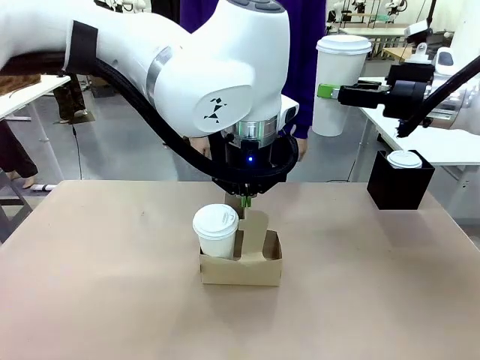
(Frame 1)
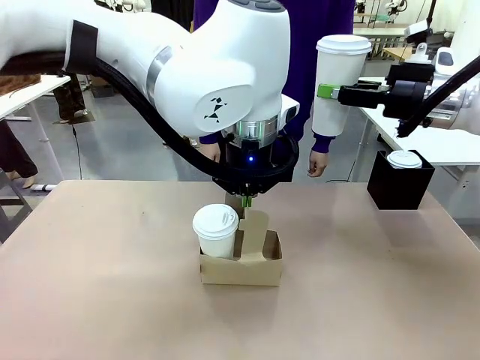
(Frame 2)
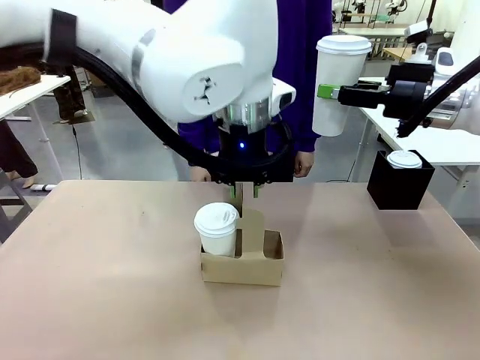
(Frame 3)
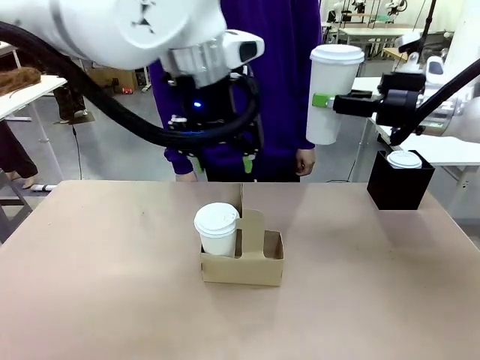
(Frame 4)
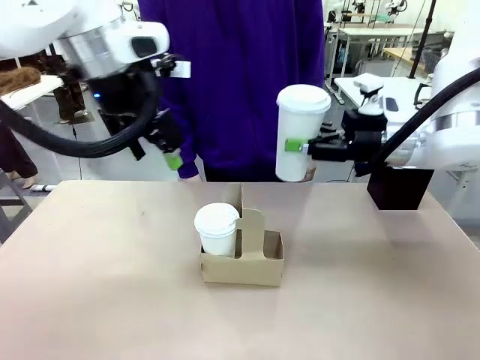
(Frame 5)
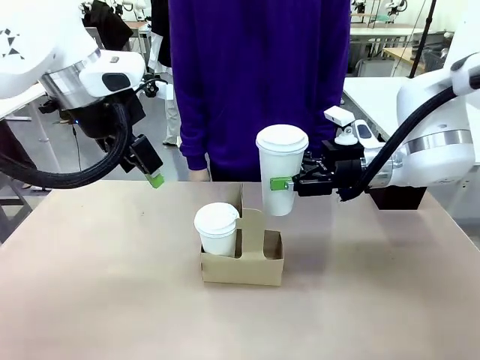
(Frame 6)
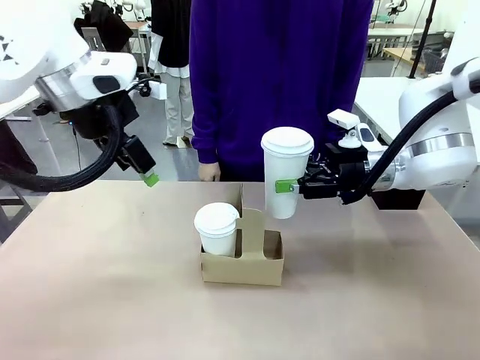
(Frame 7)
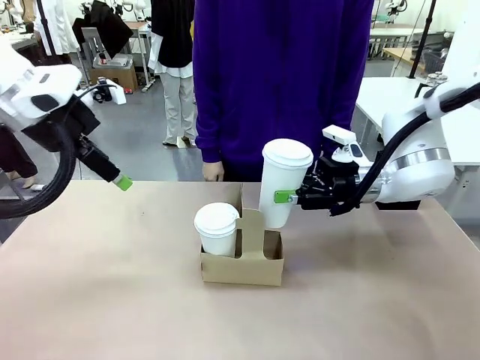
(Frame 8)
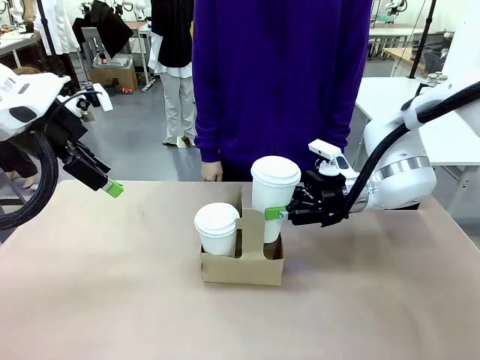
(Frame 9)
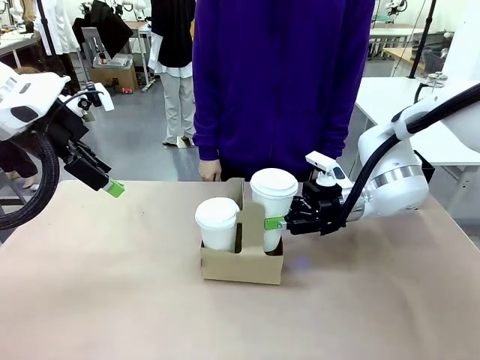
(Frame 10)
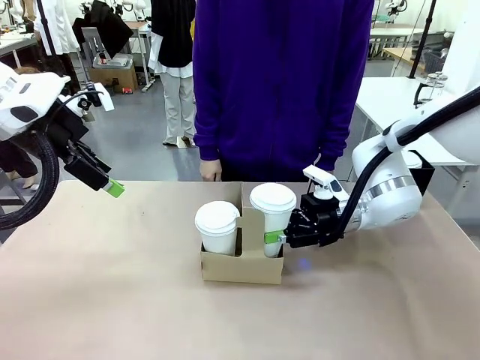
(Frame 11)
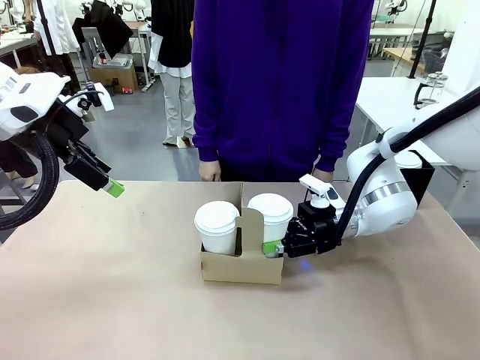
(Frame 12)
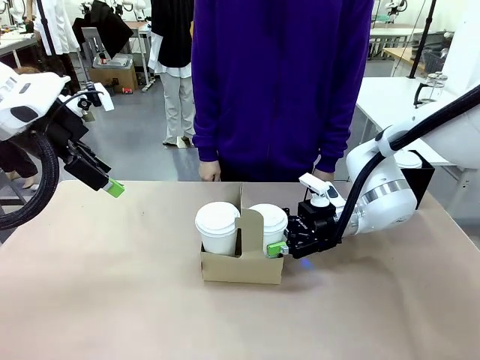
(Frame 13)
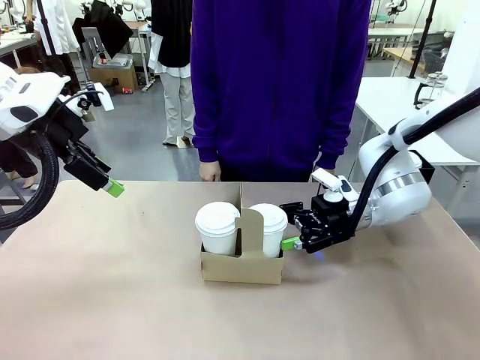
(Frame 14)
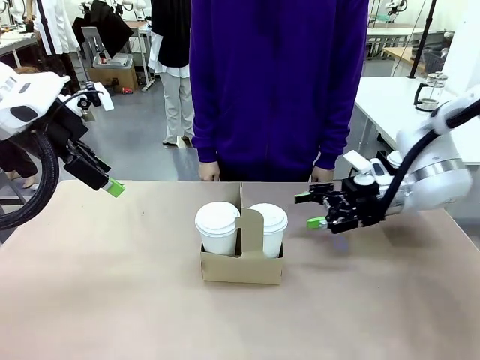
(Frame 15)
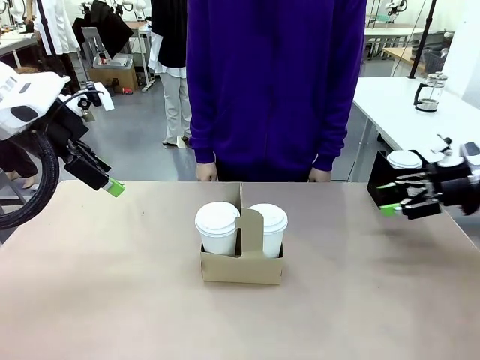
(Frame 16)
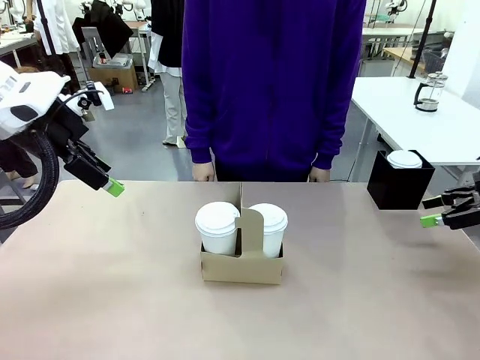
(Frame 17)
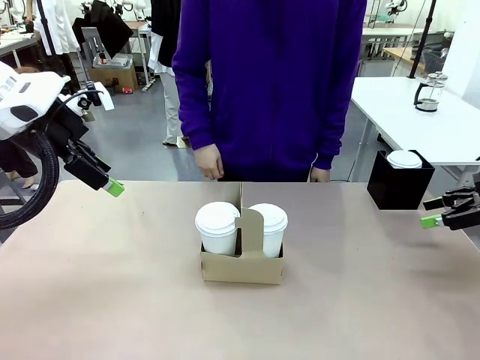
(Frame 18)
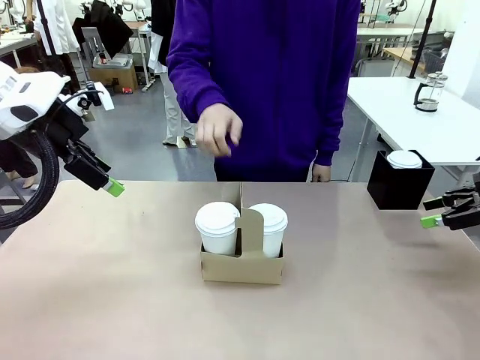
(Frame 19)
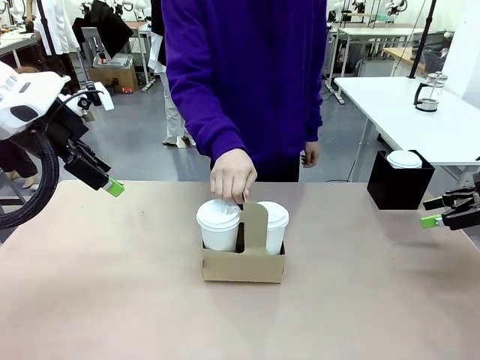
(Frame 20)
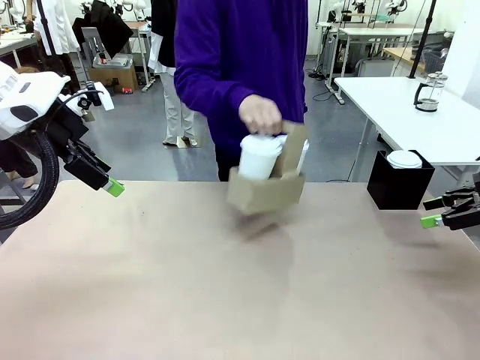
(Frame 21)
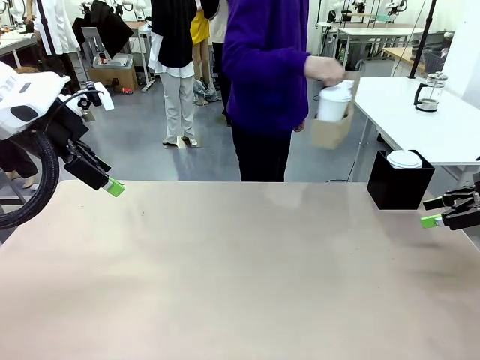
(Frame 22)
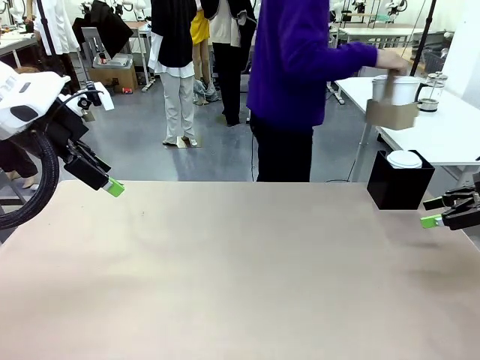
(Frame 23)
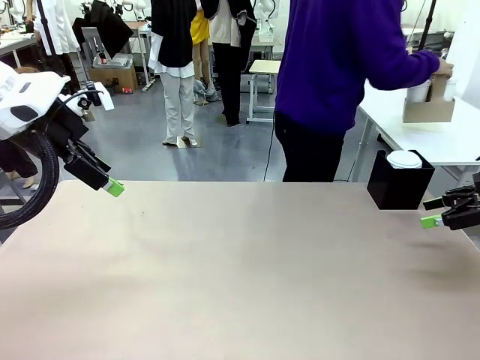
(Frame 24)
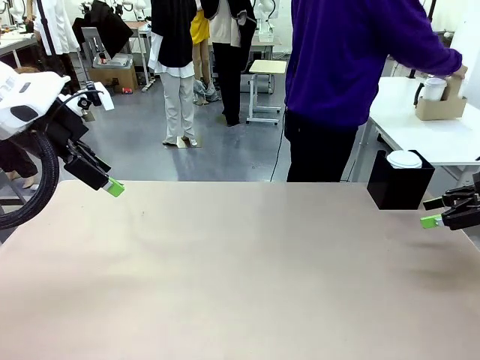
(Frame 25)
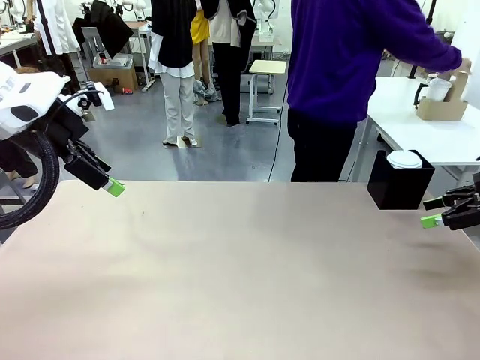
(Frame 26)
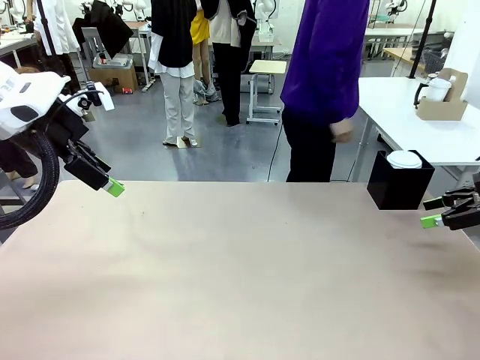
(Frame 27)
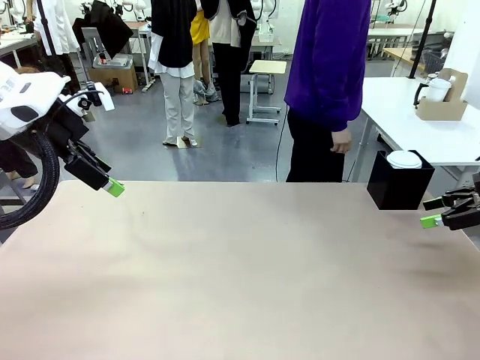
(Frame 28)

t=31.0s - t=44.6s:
Task: Pour a drink into a cup and package it in a carrier.
Robot: Insert the held 600 ml Paper Cup into the Cup Carrier.
Person: Place the Cup Carrier to the middle of Human table.

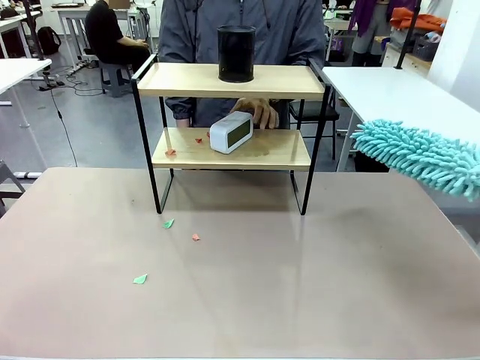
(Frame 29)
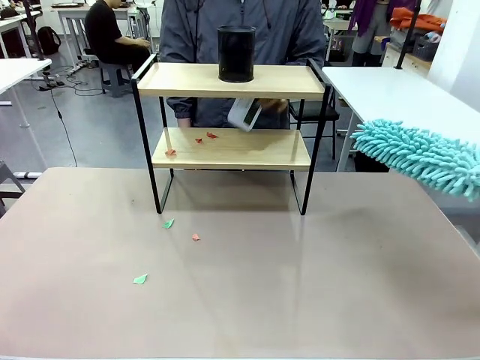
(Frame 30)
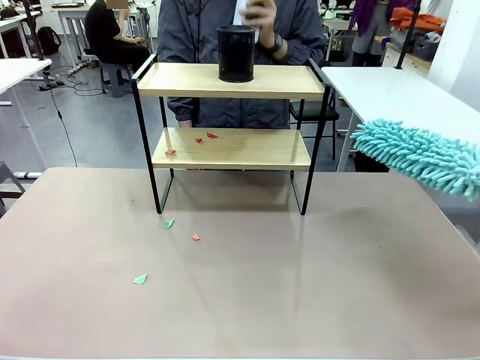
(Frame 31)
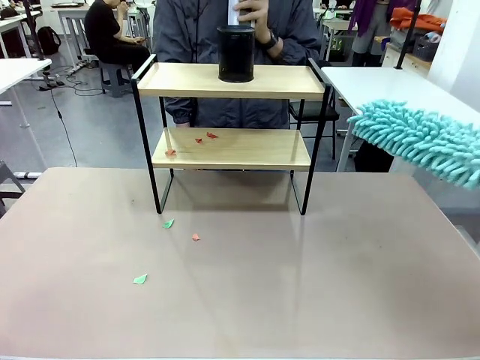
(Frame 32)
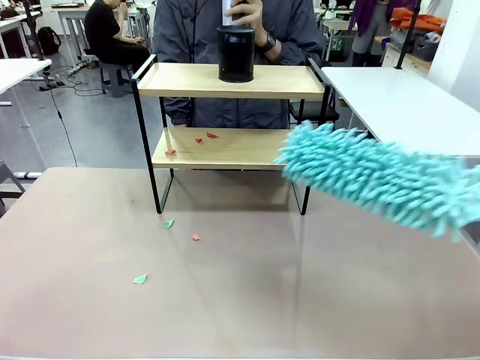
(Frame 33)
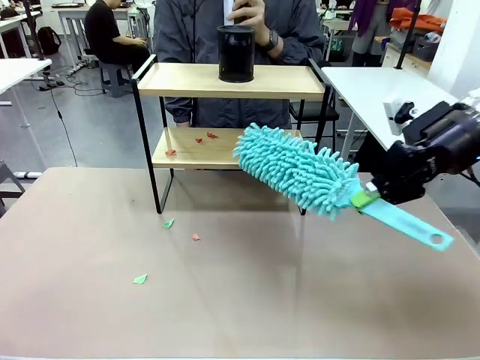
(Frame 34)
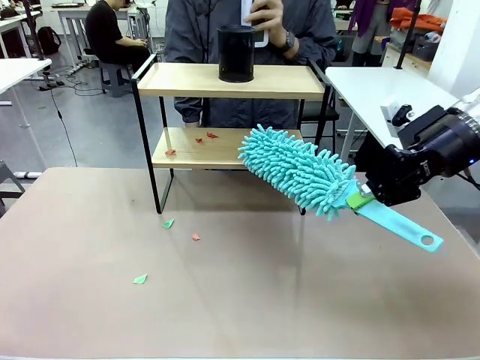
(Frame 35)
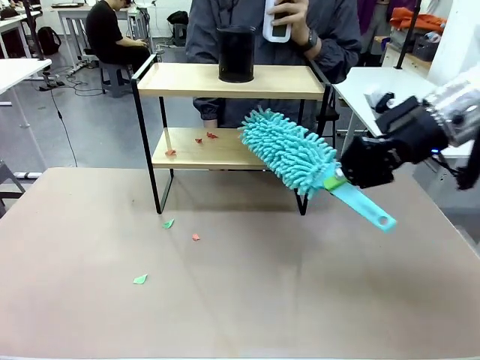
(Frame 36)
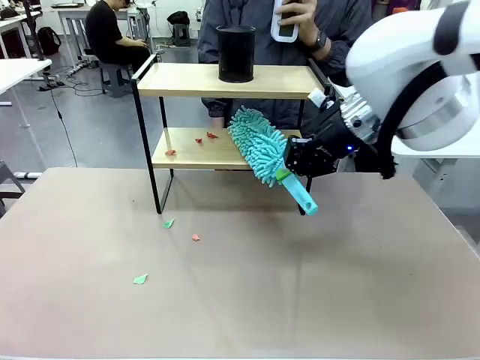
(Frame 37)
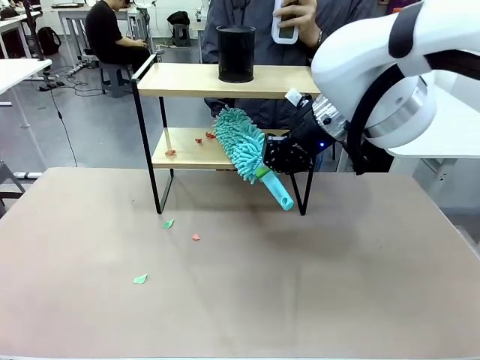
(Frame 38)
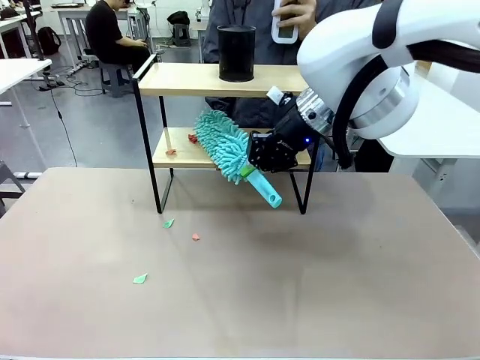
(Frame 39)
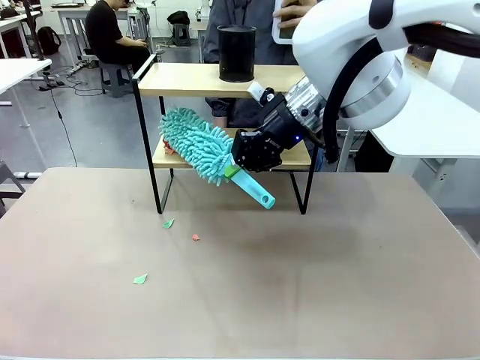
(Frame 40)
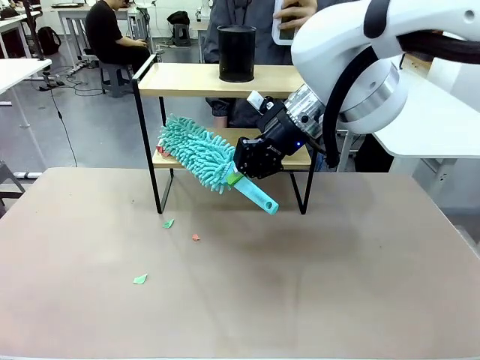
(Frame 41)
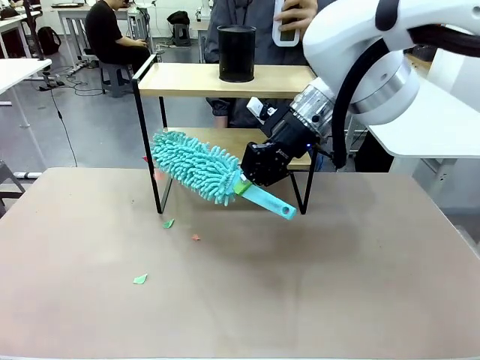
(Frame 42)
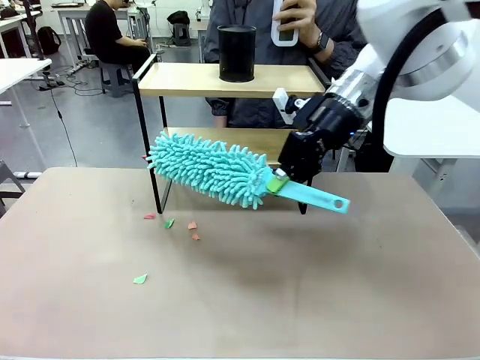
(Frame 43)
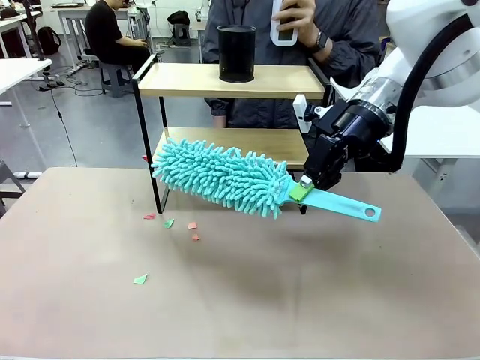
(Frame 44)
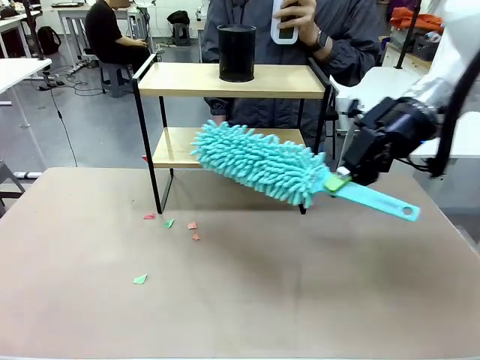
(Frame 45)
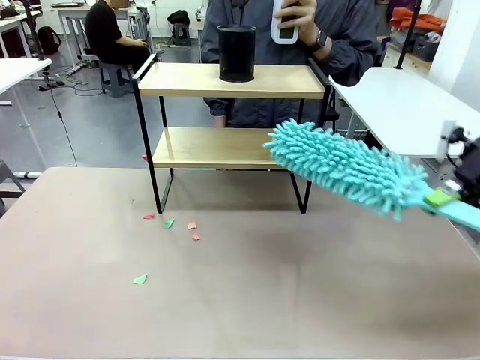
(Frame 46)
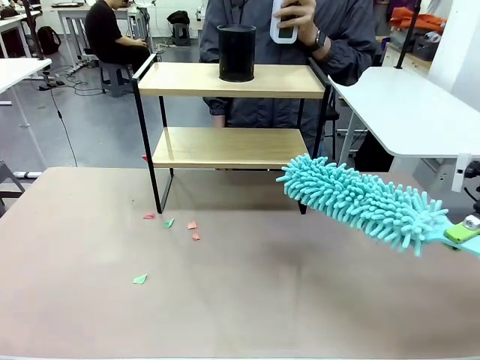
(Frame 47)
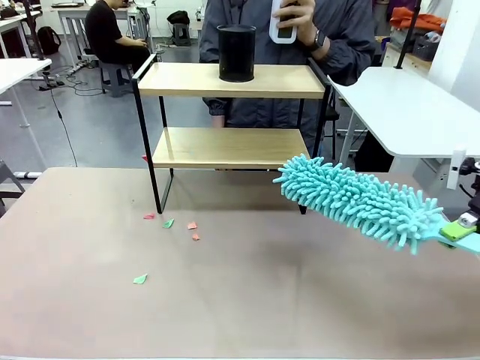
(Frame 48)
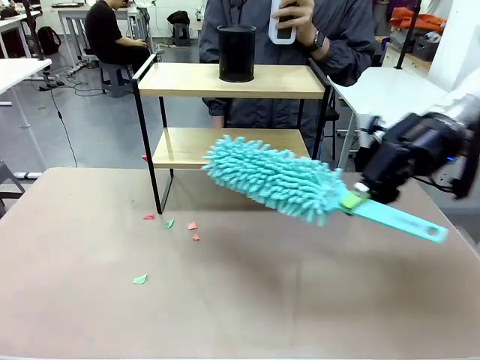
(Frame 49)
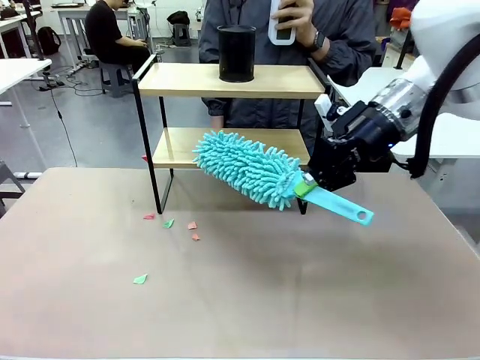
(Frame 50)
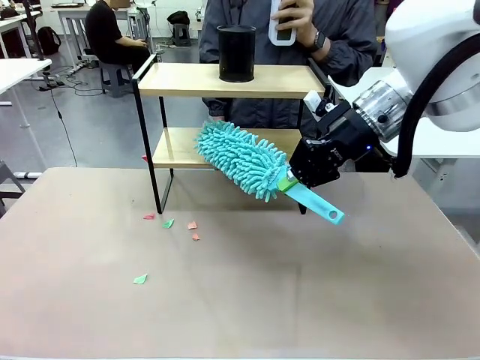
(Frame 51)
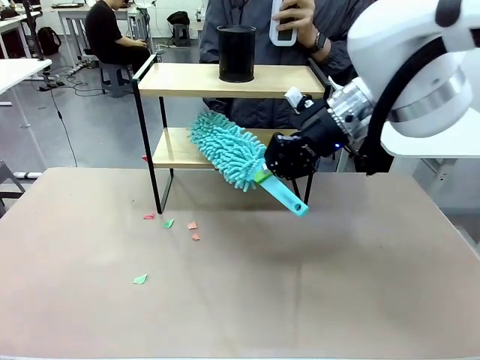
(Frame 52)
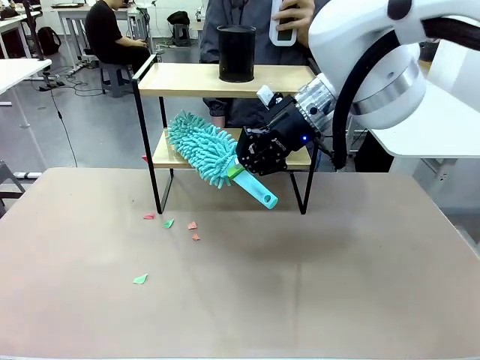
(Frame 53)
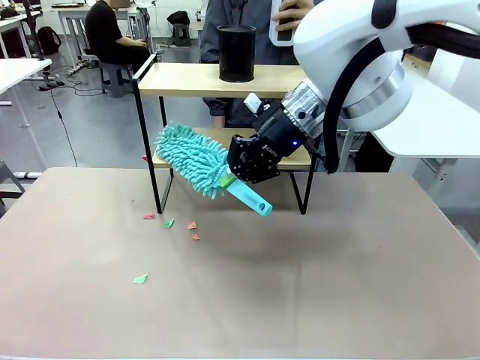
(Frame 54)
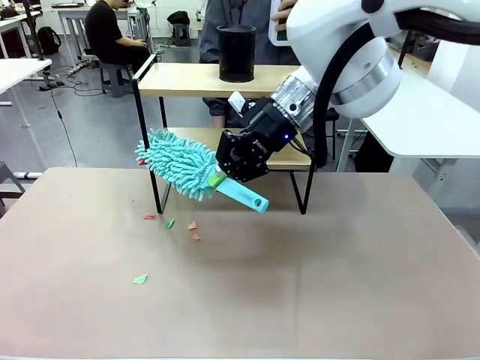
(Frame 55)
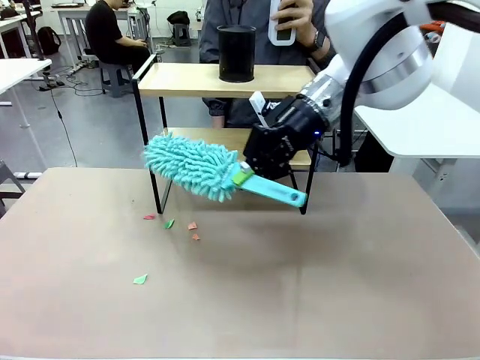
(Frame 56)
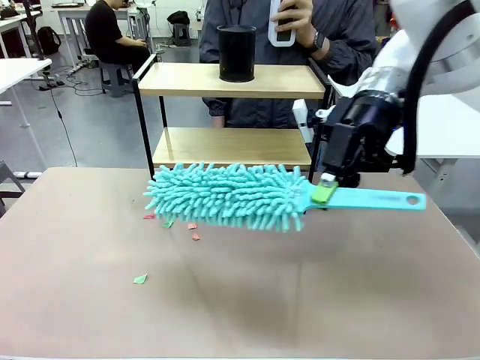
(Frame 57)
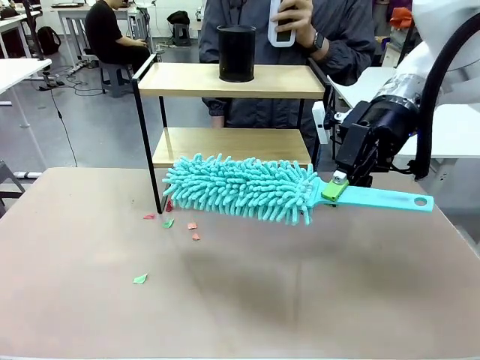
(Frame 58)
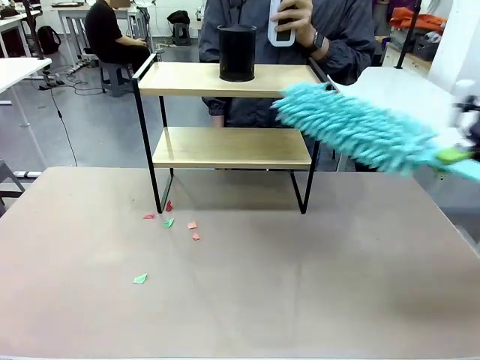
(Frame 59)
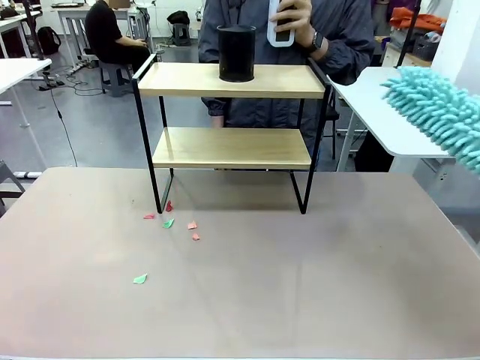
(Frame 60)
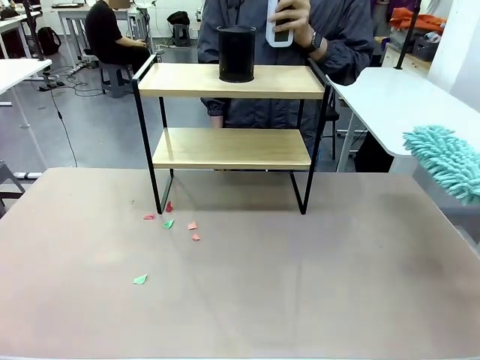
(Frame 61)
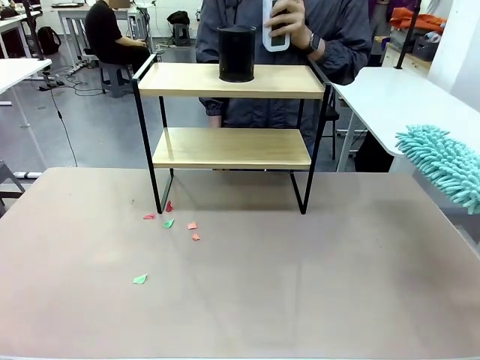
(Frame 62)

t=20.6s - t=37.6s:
Task: Clean the shelf.
Robot: Clean the remaining tier of the Shelf with the Duster once objects are removed.
Person: Receive the Duster from the robot.
